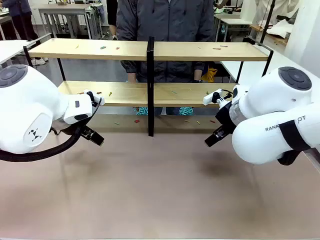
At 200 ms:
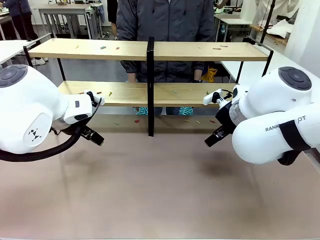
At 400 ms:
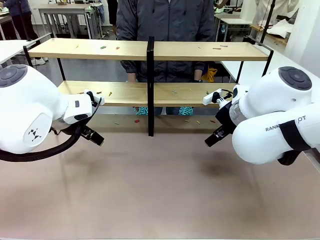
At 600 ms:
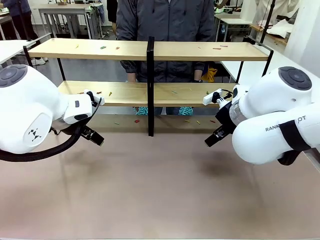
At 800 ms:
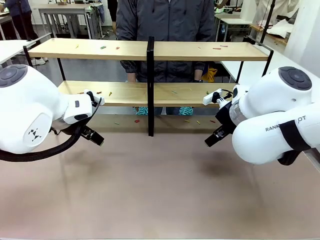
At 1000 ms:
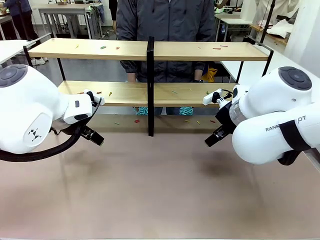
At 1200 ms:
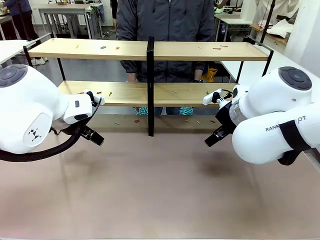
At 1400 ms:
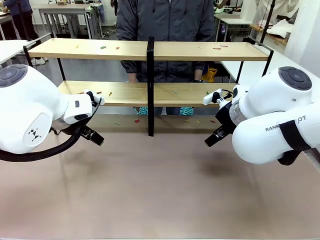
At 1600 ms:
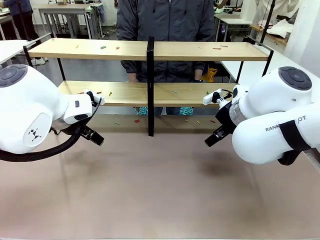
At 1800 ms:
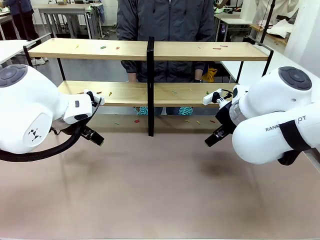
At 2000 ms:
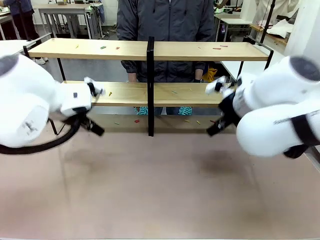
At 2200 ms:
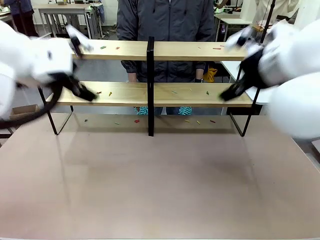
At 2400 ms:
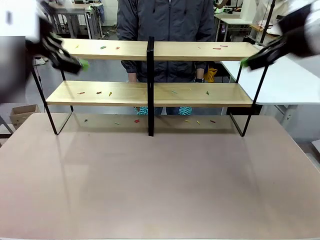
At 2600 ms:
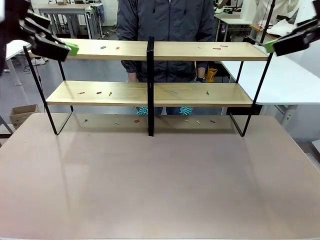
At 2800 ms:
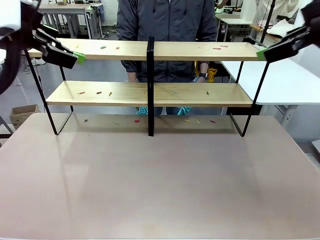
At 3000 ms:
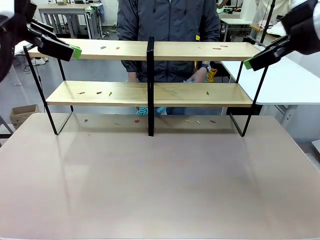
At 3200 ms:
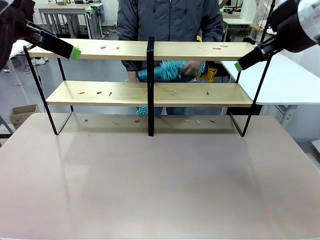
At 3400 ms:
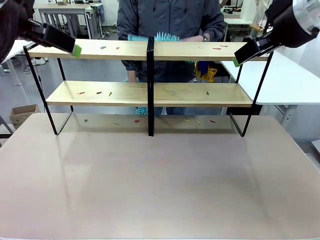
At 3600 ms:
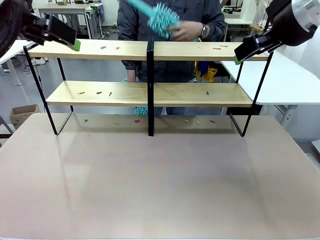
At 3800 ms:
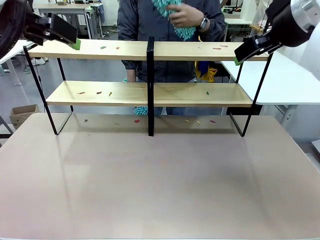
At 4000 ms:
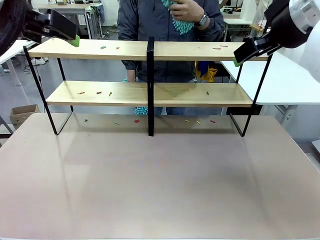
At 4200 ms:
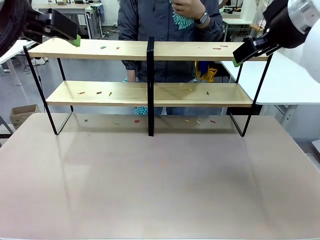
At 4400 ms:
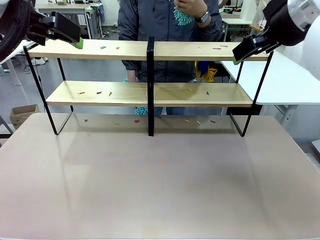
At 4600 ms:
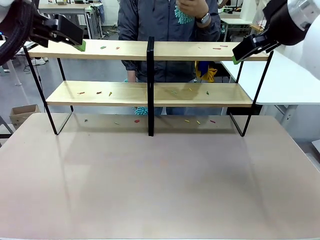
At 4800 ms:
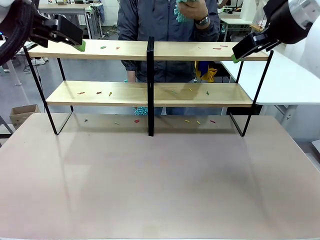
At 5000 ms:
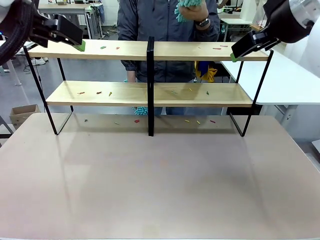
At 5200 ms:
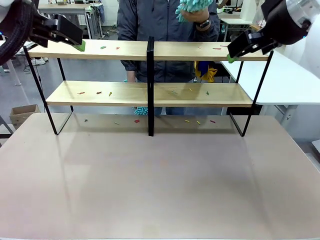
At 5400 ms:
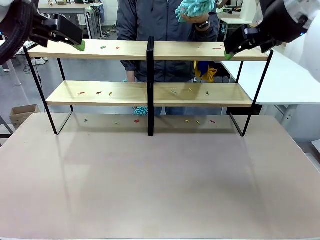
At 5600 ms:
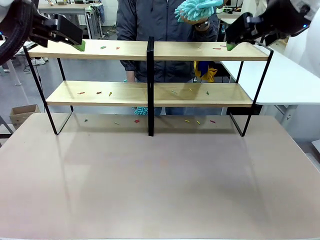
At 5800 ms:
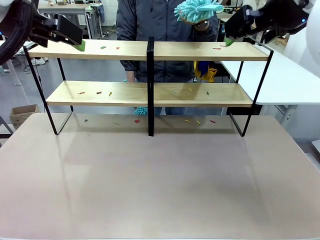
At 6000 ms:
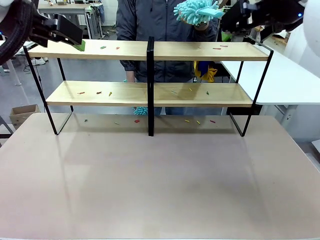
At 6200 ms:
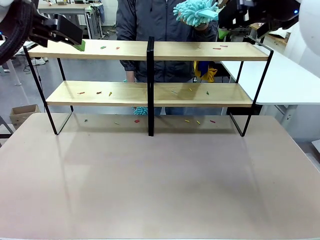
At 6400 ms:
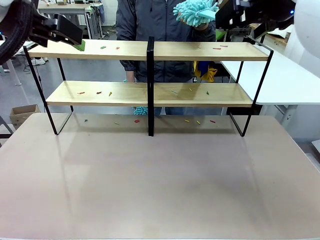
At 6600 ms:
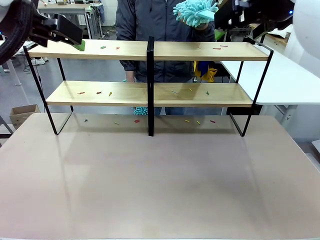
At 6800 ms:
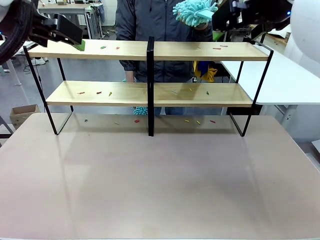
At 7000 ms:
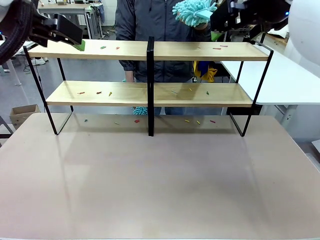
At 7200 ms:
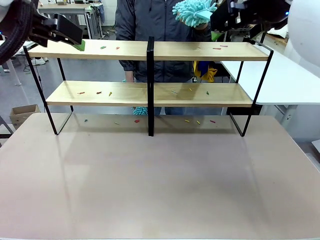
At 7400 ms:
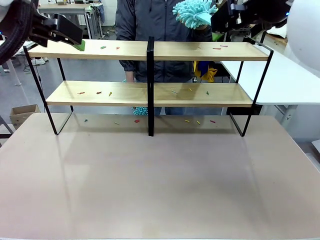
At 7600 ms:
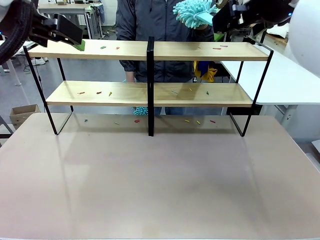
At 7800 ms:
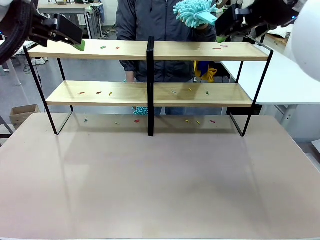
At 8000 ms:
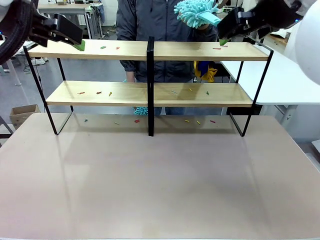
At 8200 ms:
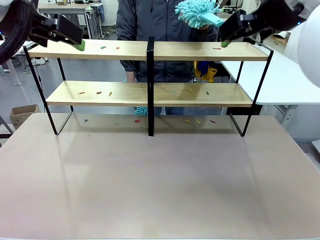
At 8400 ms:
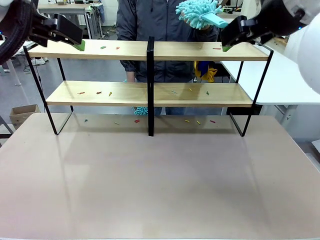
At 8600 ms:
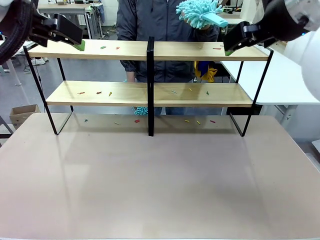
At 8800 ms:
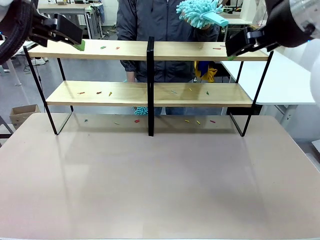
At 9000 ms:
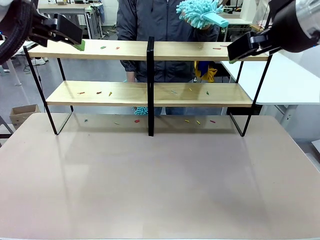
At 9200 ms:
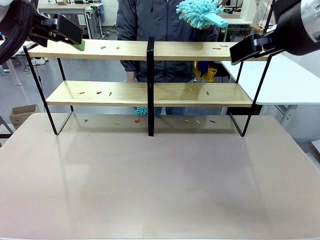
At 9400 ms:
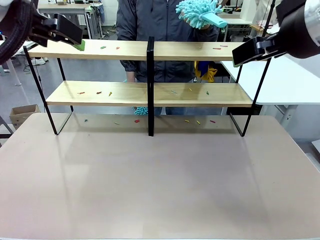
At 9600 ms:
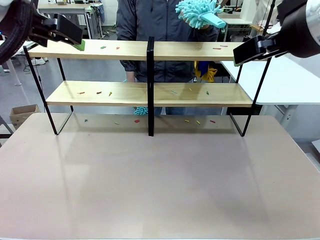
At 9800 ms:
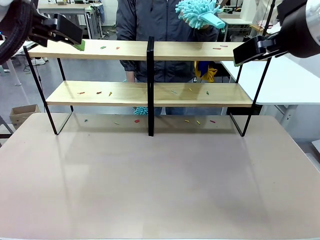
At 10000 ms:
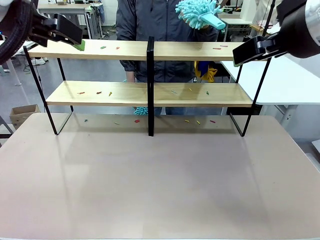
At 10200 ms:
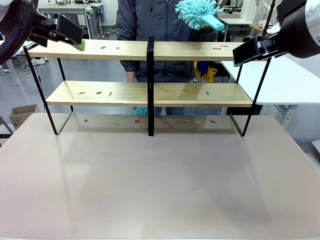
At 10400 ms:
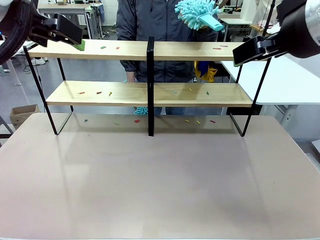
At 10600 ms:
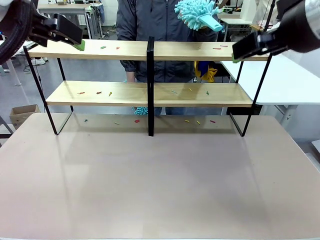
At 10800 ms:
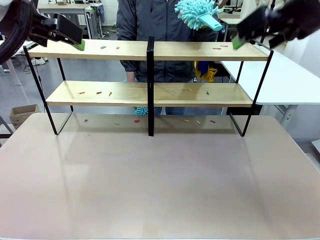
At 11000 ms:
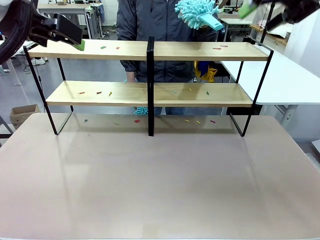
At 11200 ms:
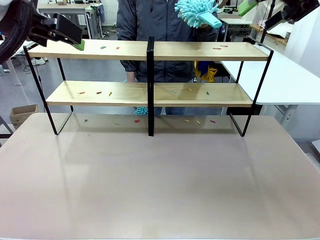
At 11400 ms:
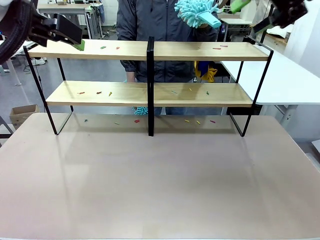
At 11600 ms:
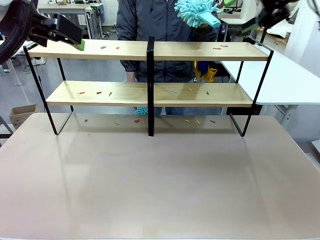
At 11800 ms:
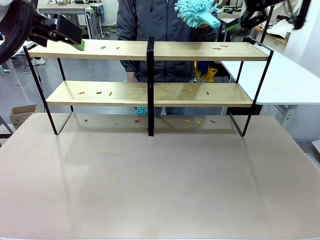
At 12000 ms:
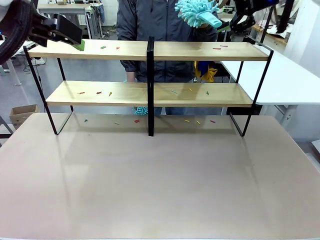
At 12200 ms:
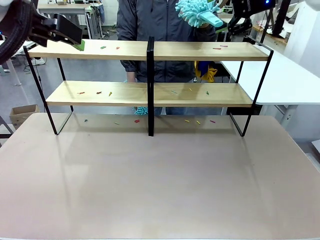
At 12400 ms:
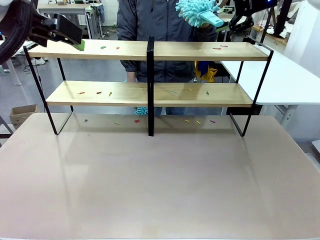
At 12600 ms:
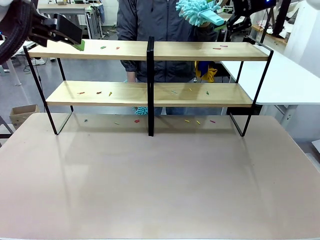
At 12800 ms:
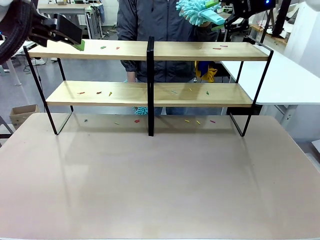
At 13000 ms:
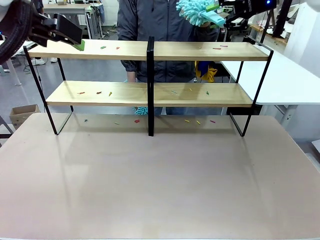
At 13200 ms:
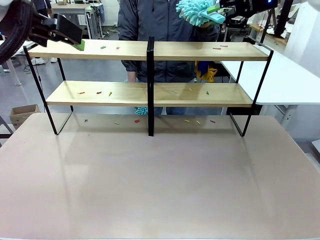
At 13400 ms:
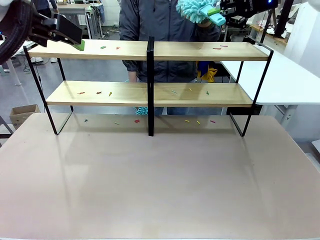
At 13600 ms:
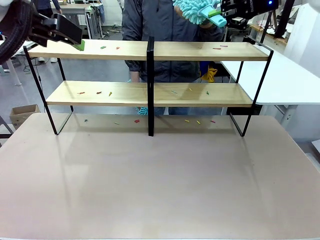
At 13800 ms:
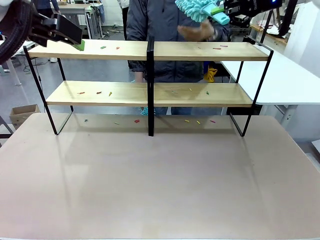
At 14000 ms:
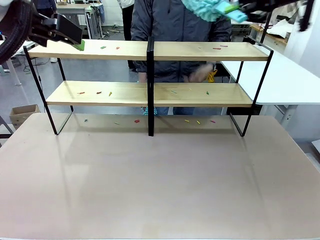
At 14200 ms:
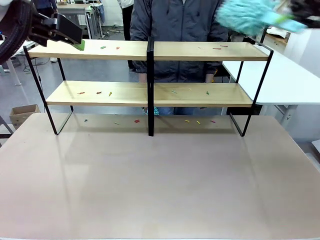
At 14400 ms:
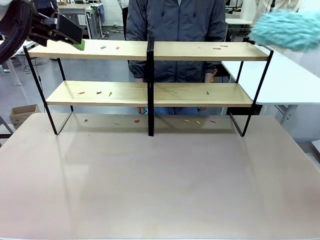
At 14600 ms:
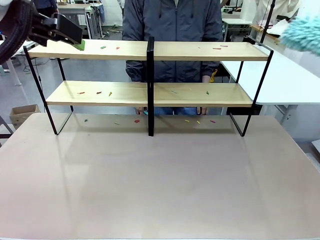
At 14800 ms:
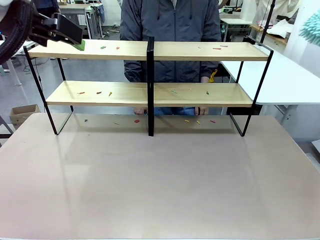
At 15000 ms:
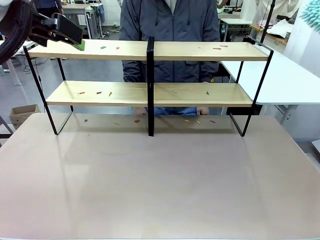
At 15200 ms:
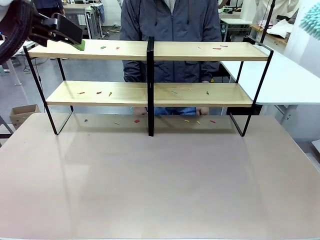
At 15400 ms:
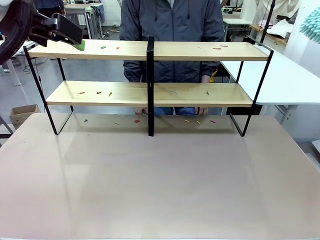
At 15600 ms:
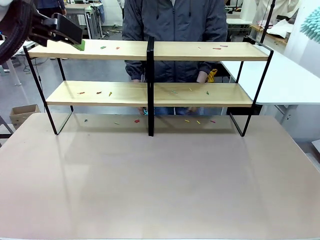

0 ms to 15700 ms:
Task: Clean the shelves.
Robot: Pick up the Duster when the human hands it over.
Person: Hand the Duster to the robot with your right (or left) hand.
